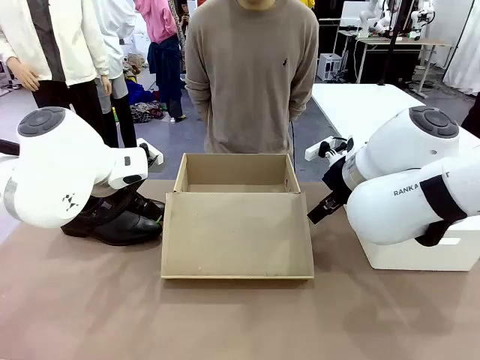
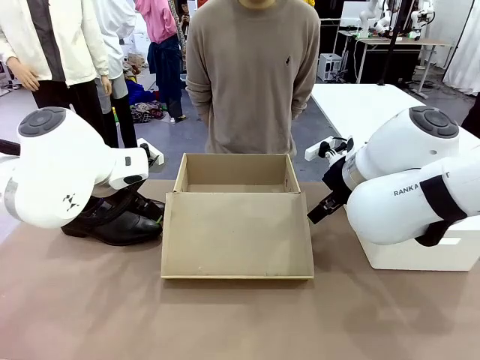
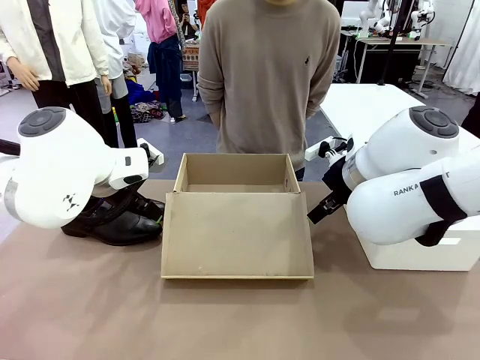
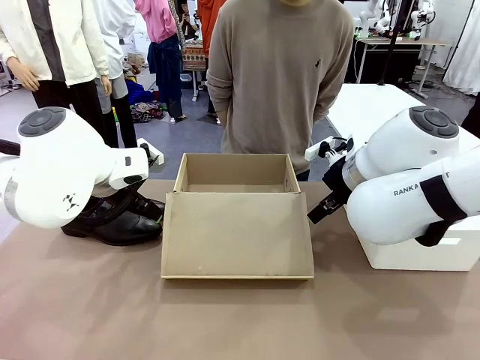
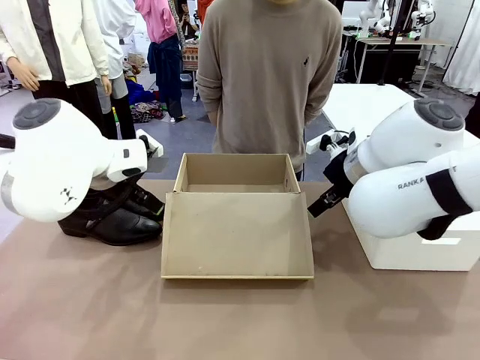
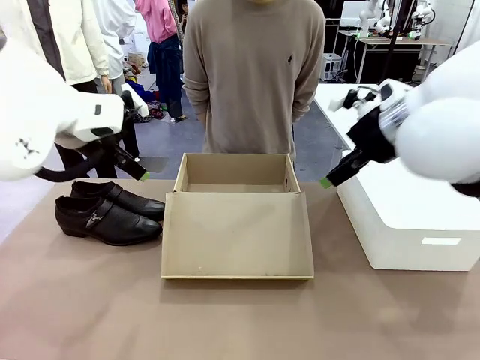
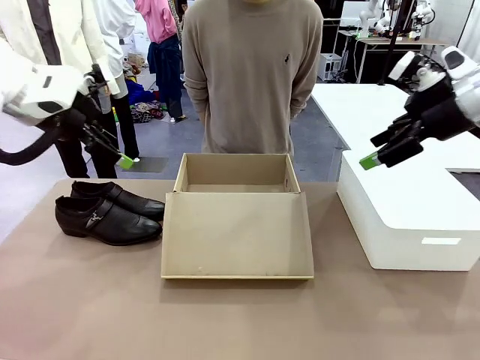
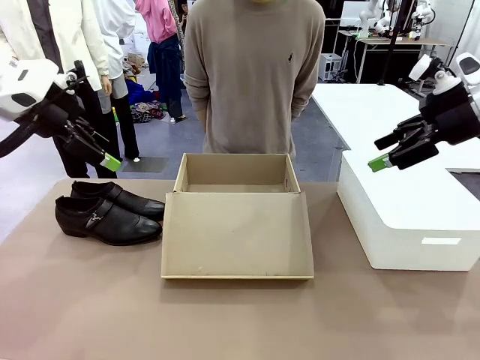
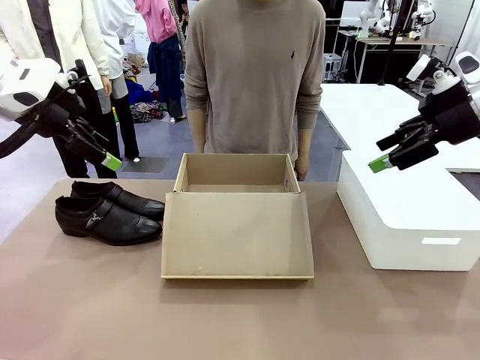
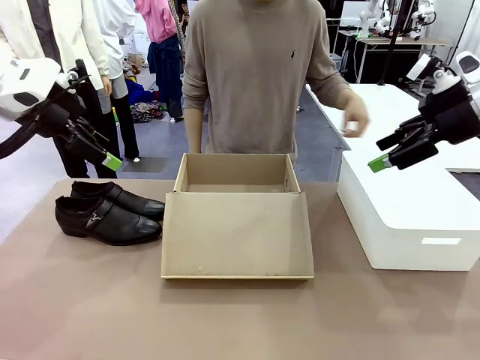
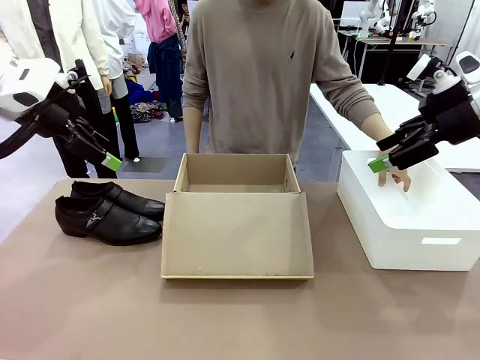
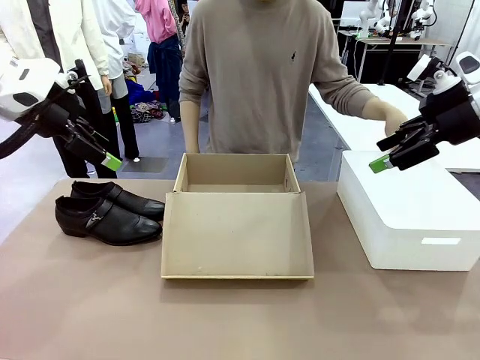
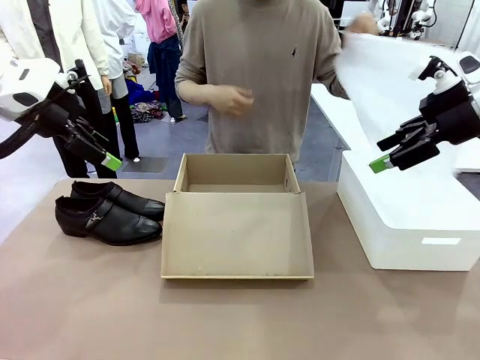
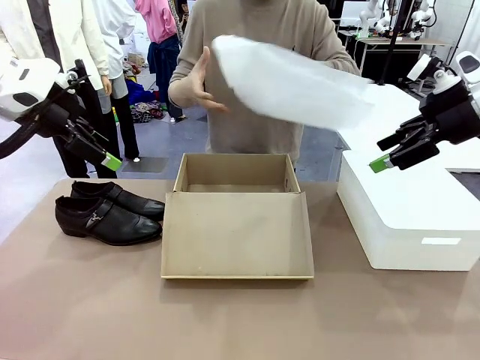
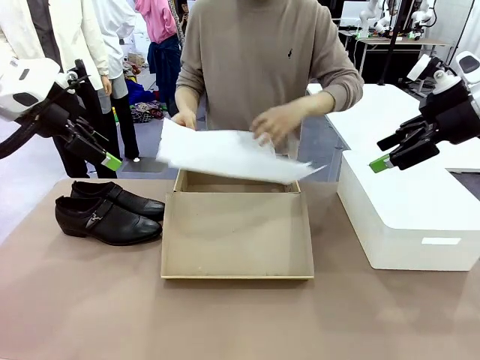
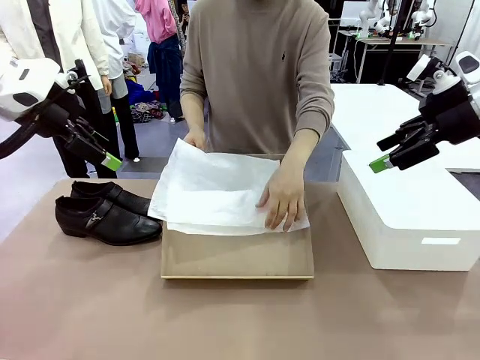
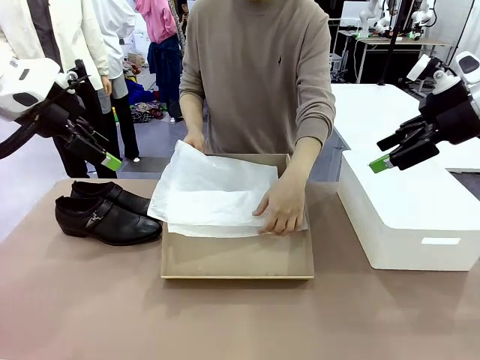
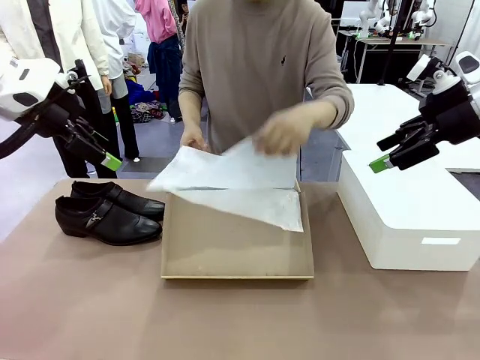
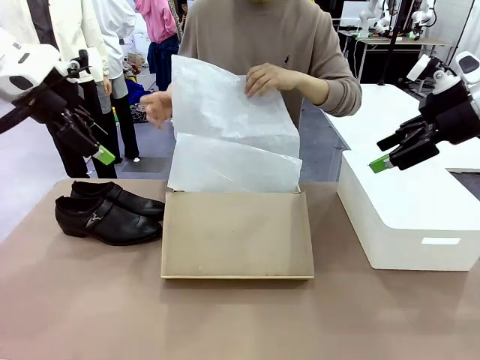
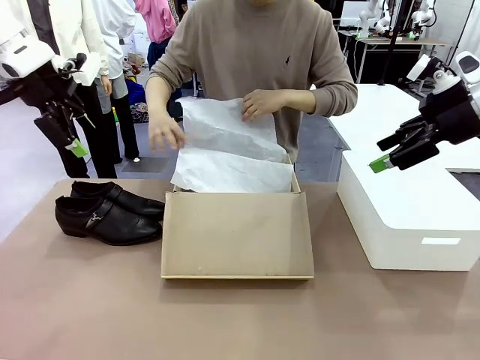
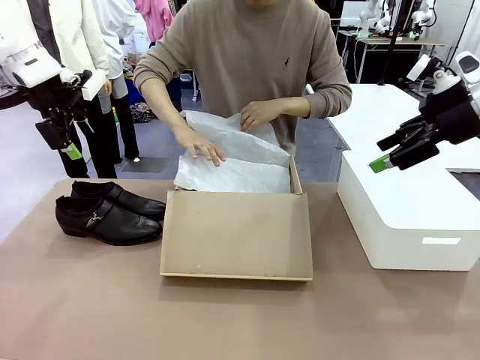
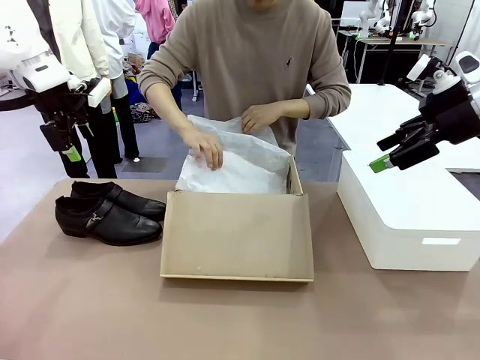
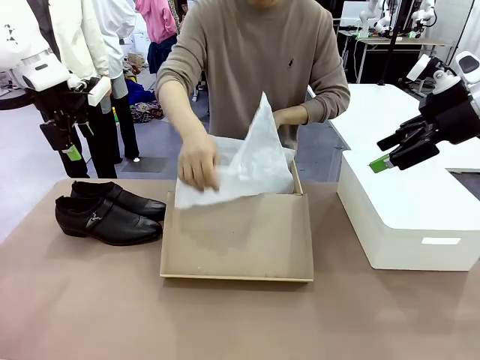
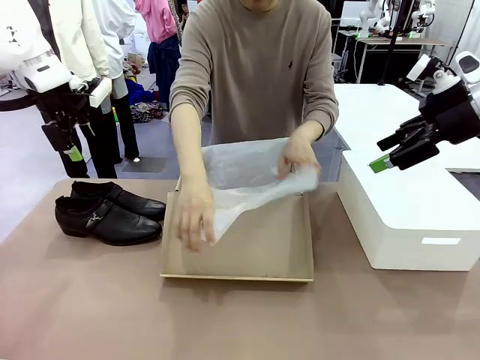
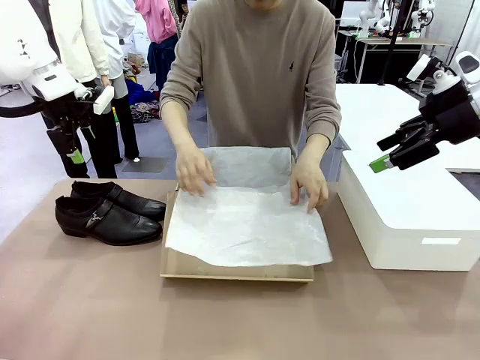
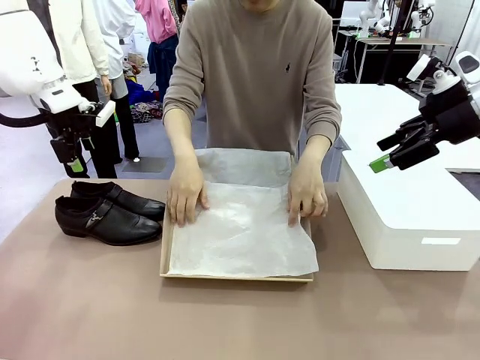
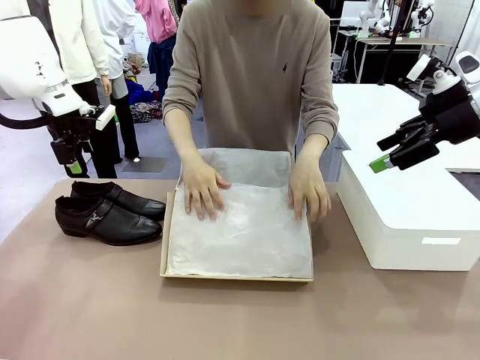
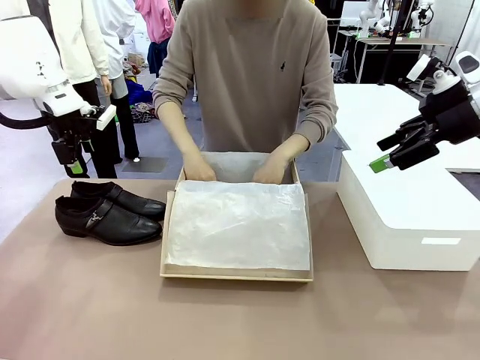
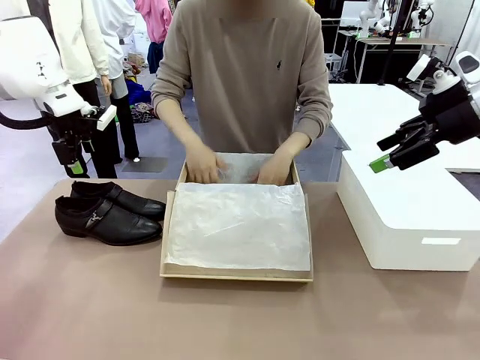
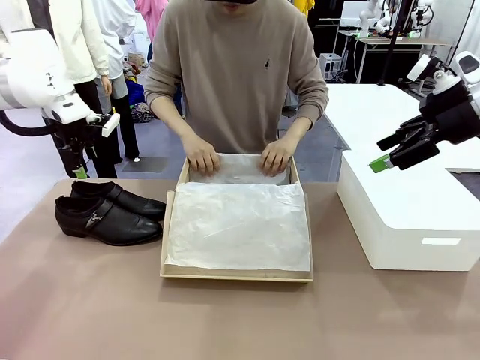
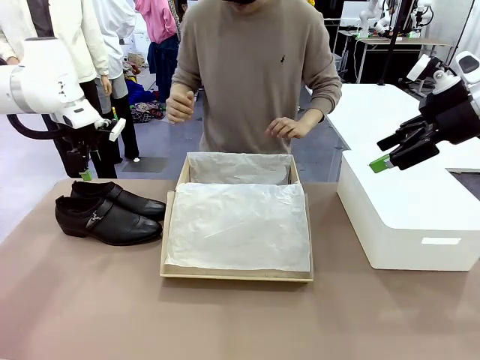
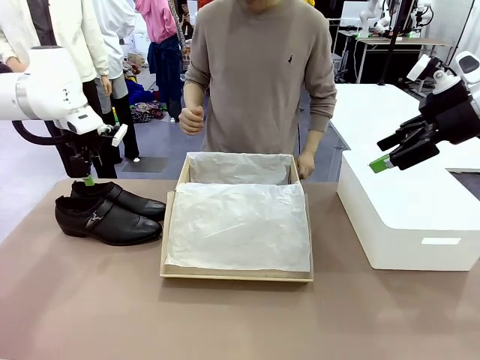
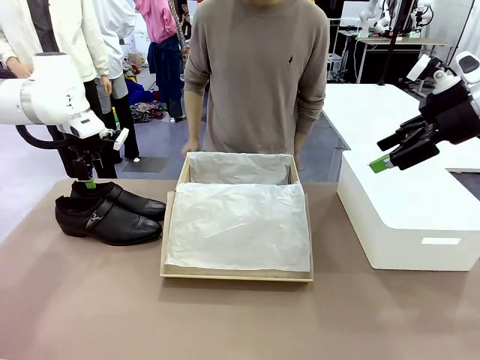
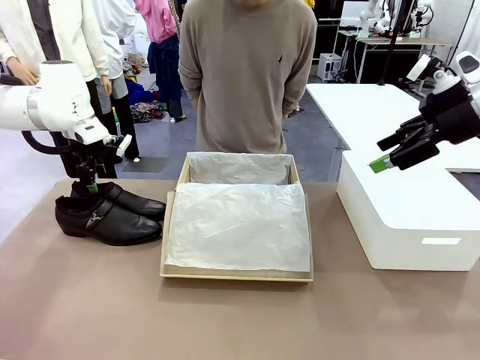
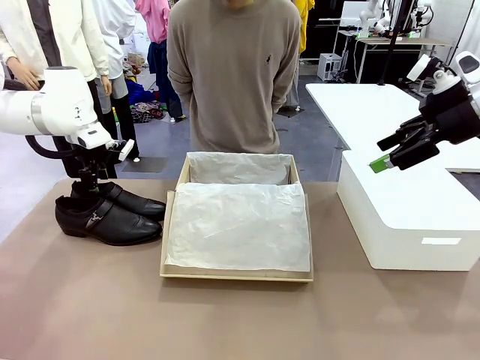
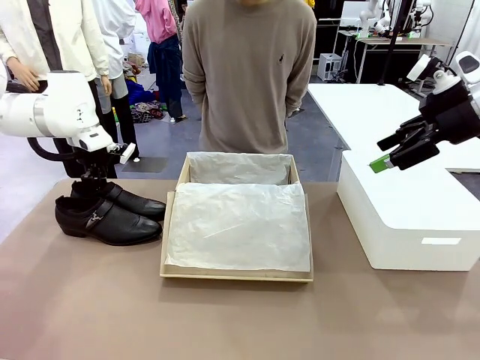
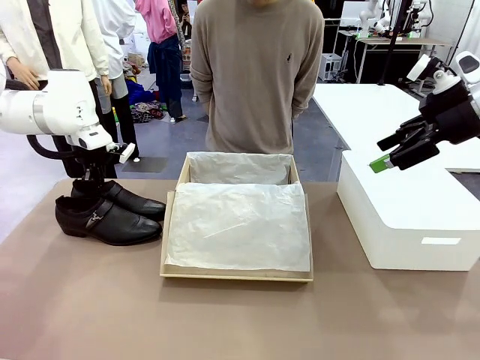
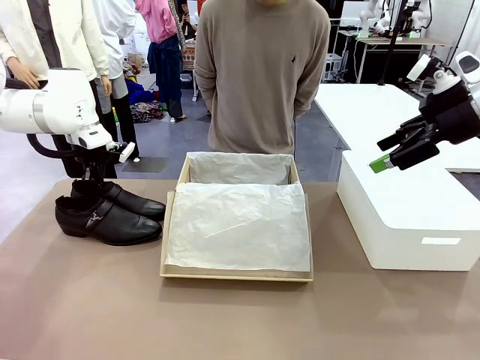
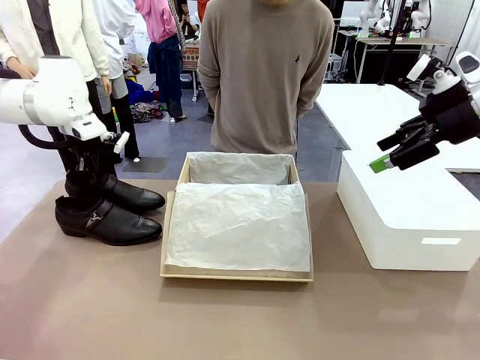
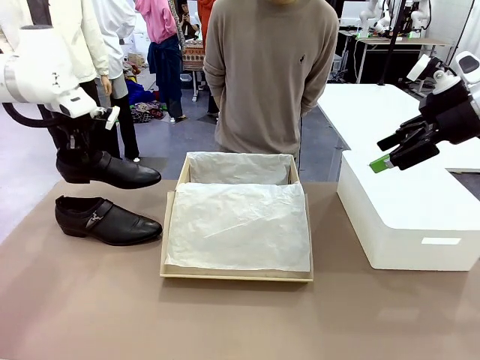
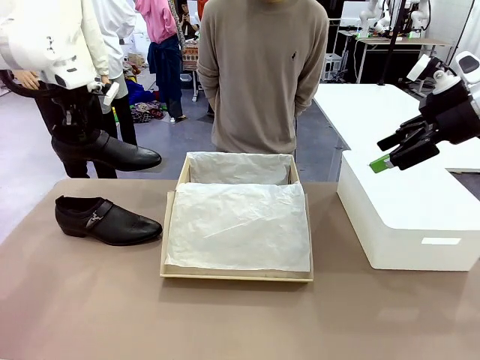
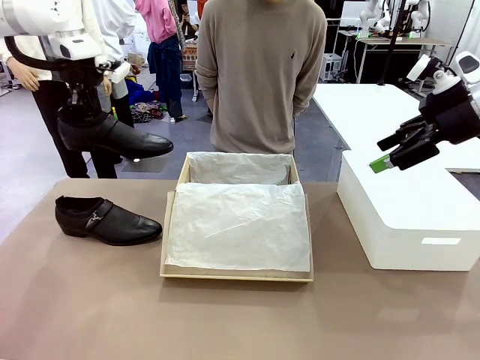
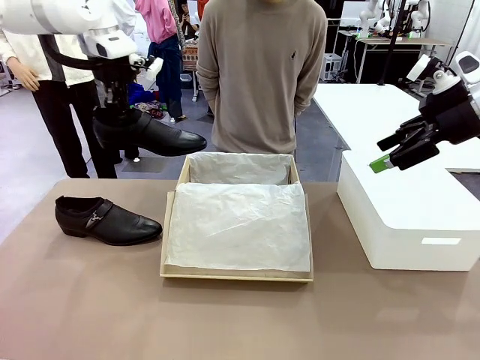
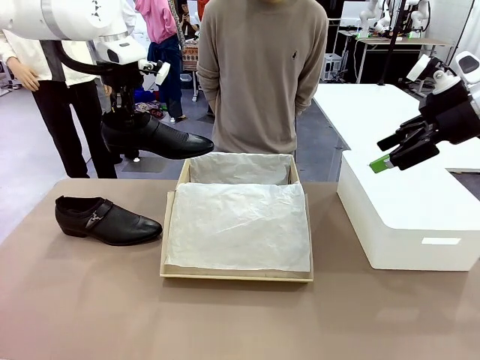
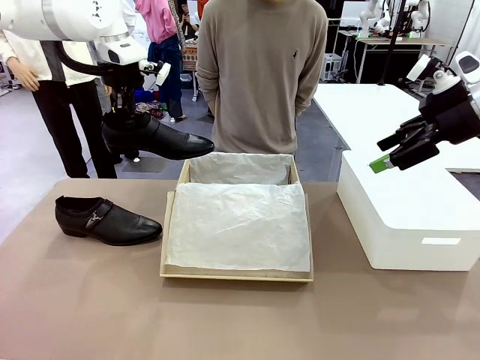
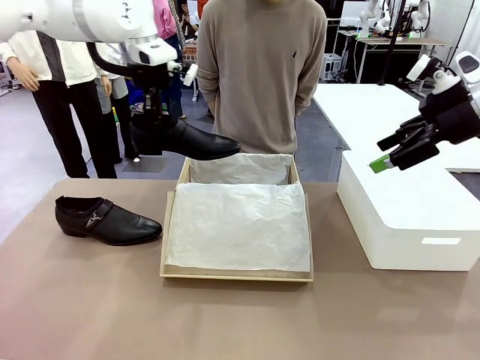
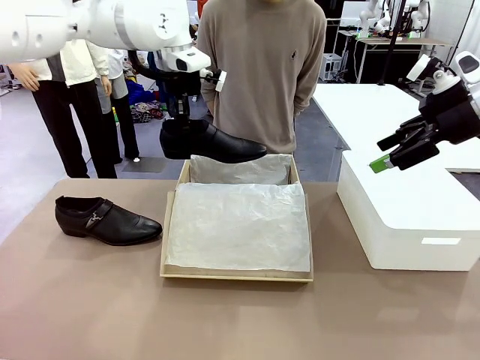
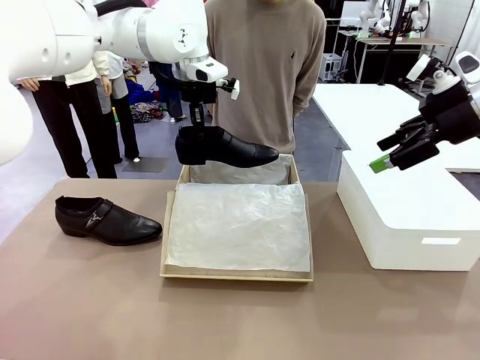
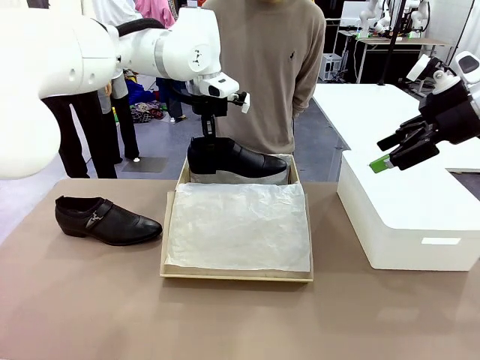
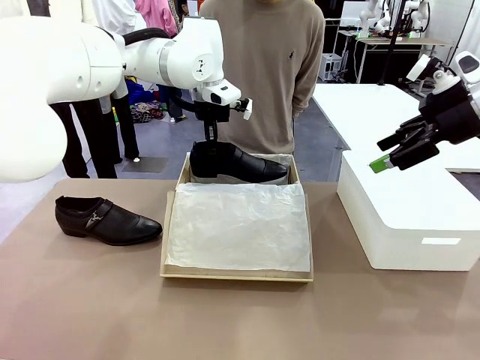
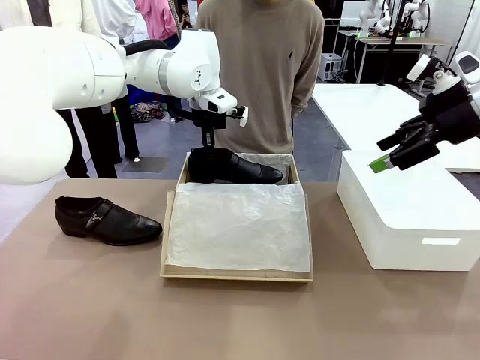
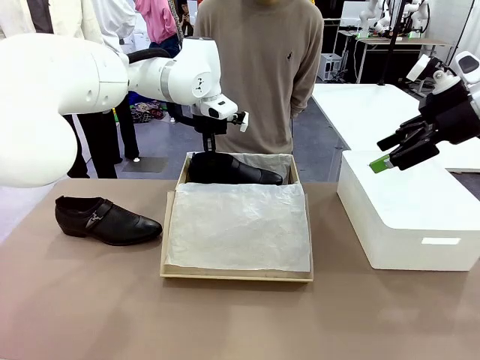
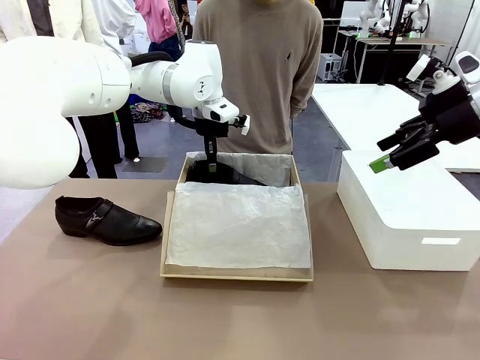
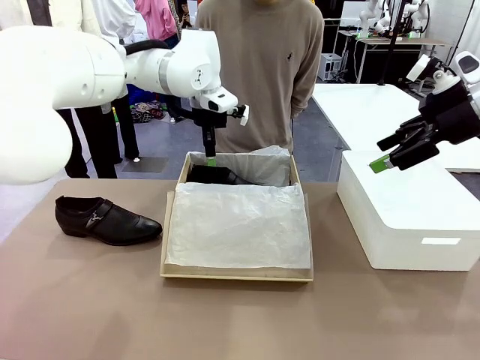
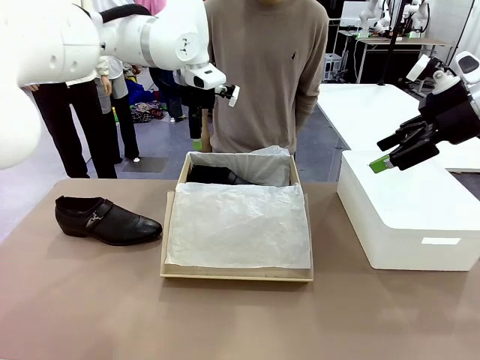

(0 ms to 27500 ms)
Task: Pack the shoes into the box.
Robot: Place one shoe of the Shoes into the Shoes Box.
Person: Spread Shoes Wrapping Paper and place inside the Shoes Box.
